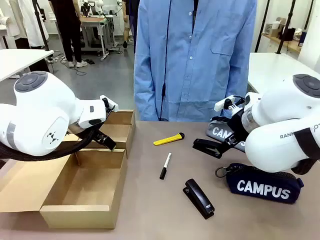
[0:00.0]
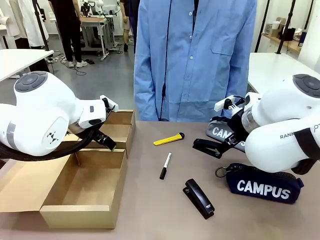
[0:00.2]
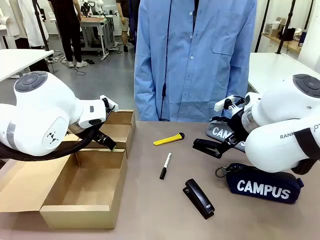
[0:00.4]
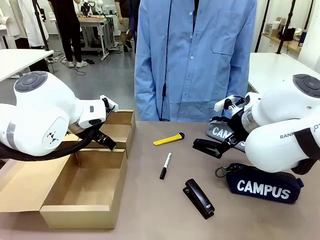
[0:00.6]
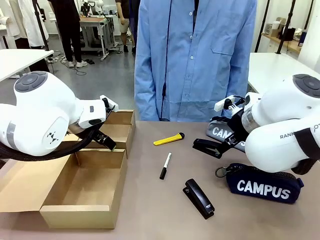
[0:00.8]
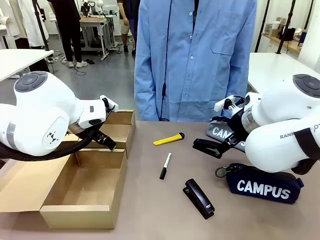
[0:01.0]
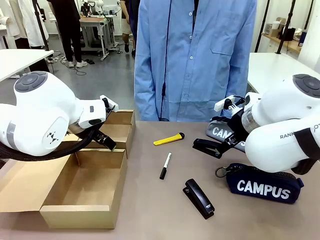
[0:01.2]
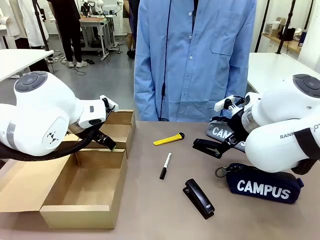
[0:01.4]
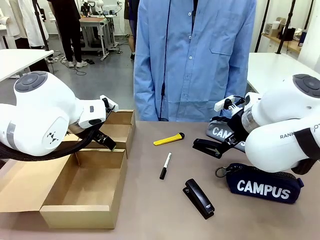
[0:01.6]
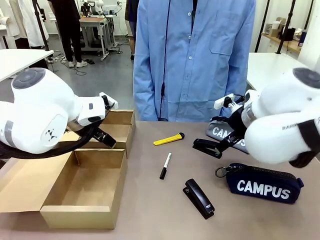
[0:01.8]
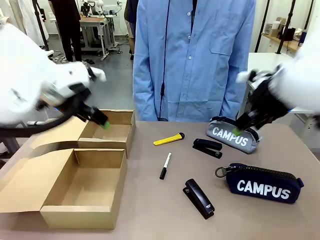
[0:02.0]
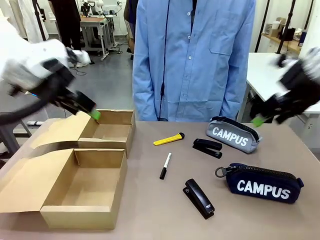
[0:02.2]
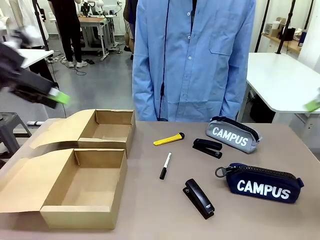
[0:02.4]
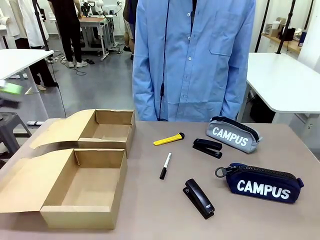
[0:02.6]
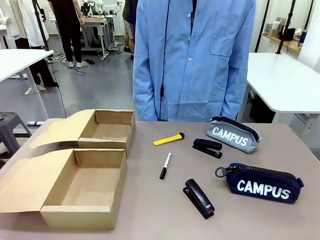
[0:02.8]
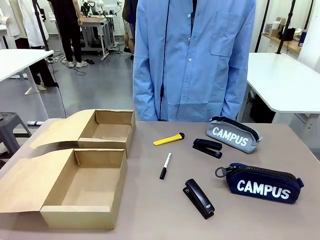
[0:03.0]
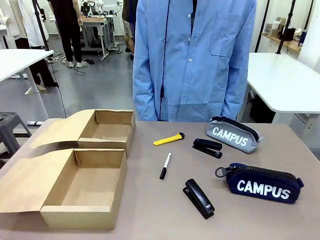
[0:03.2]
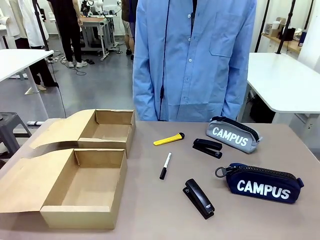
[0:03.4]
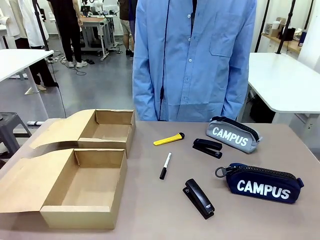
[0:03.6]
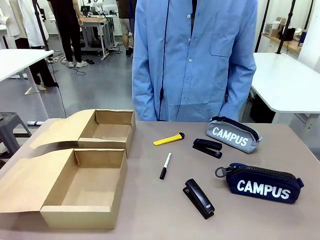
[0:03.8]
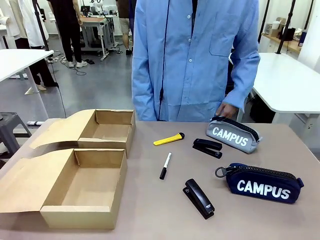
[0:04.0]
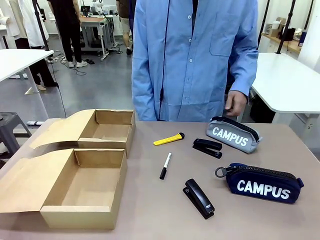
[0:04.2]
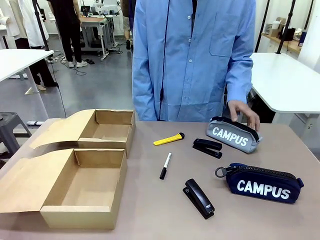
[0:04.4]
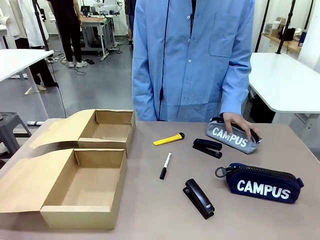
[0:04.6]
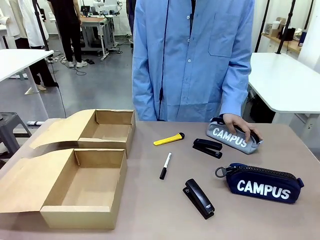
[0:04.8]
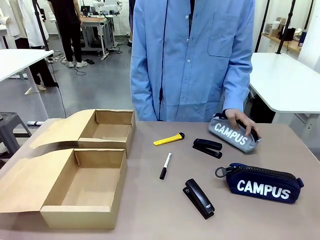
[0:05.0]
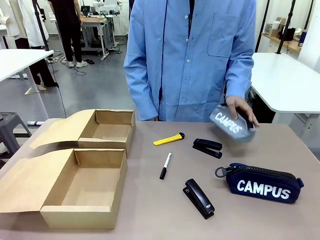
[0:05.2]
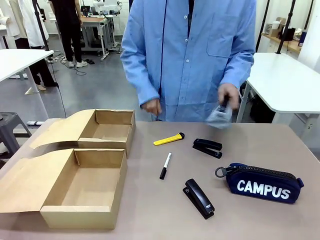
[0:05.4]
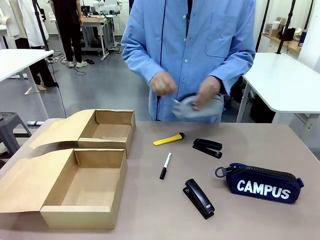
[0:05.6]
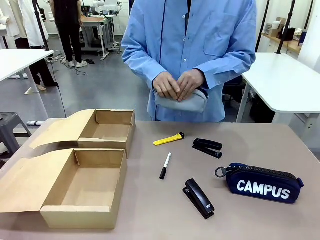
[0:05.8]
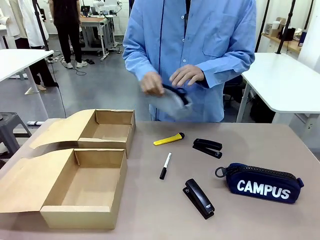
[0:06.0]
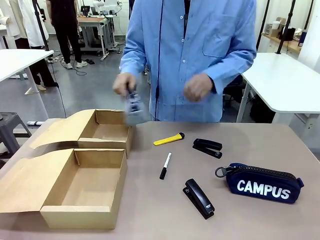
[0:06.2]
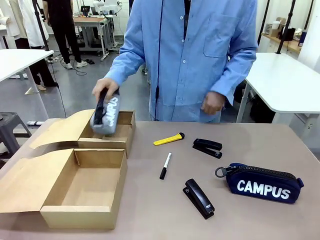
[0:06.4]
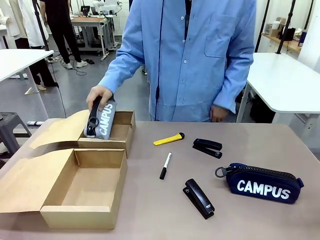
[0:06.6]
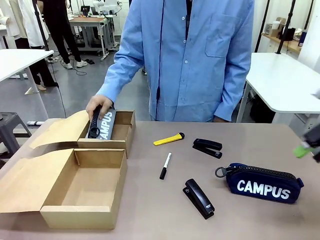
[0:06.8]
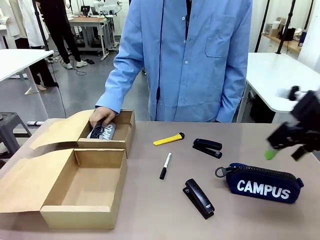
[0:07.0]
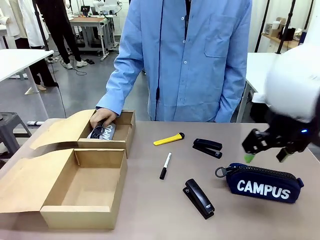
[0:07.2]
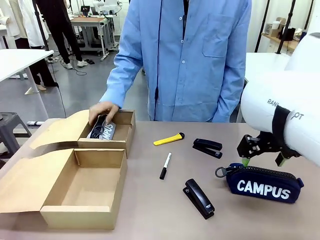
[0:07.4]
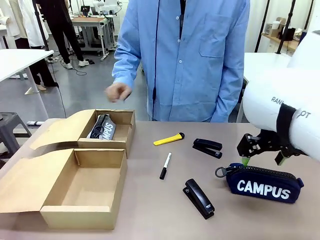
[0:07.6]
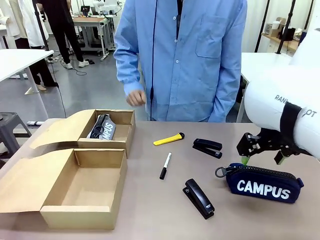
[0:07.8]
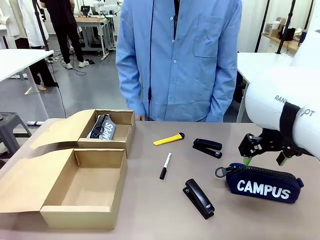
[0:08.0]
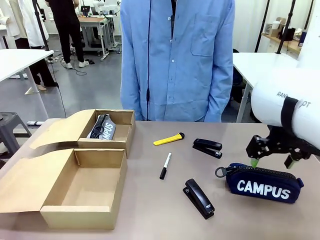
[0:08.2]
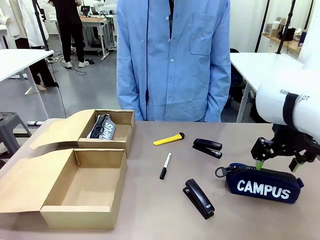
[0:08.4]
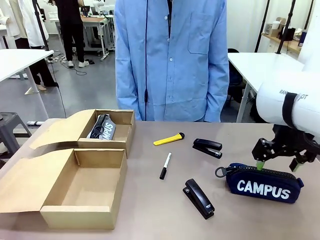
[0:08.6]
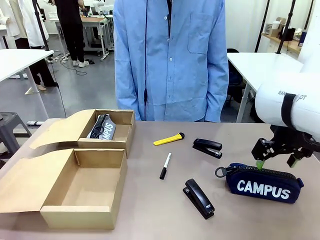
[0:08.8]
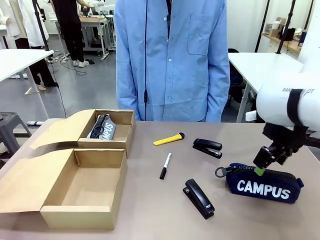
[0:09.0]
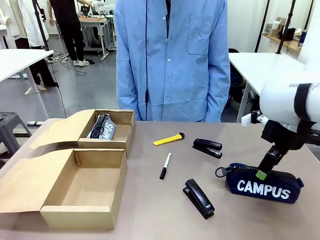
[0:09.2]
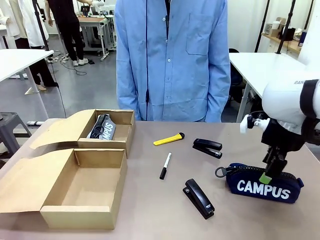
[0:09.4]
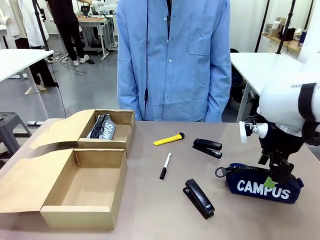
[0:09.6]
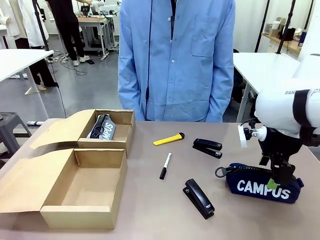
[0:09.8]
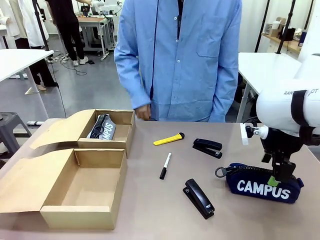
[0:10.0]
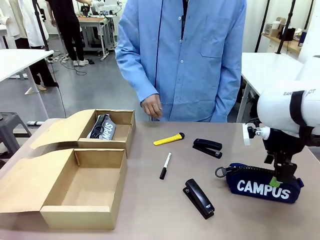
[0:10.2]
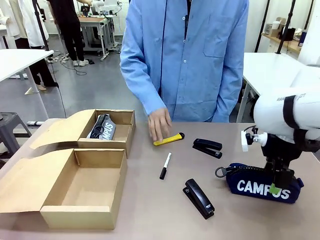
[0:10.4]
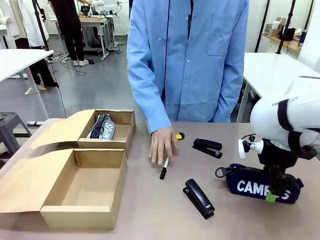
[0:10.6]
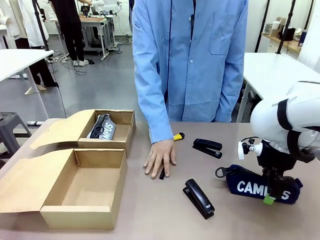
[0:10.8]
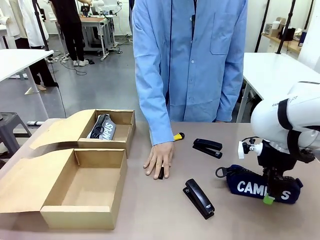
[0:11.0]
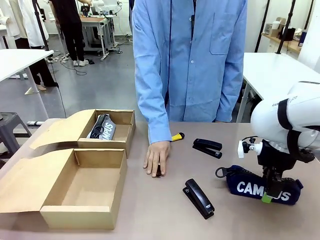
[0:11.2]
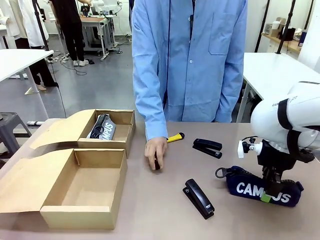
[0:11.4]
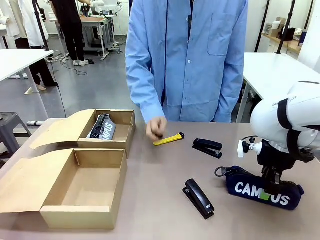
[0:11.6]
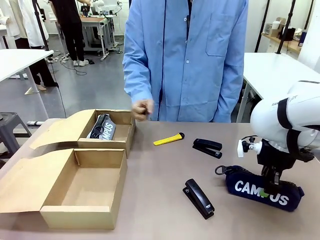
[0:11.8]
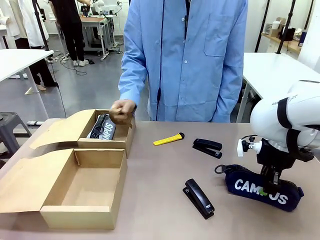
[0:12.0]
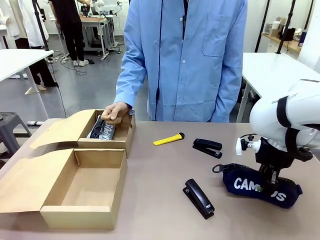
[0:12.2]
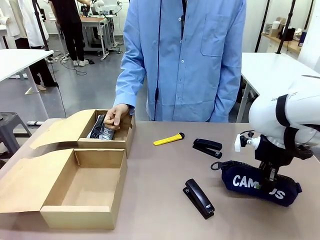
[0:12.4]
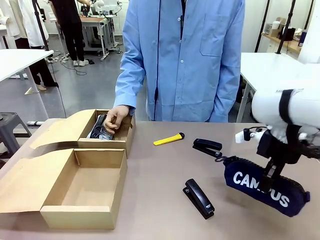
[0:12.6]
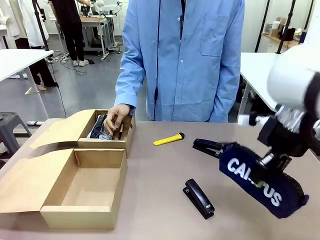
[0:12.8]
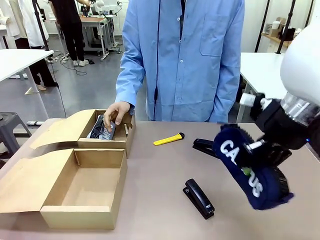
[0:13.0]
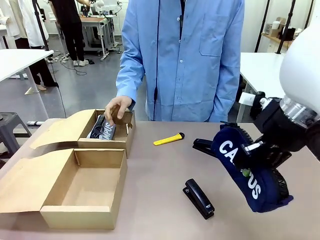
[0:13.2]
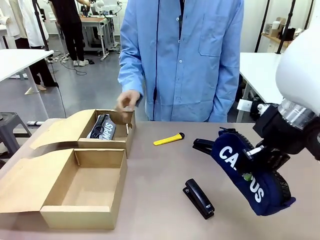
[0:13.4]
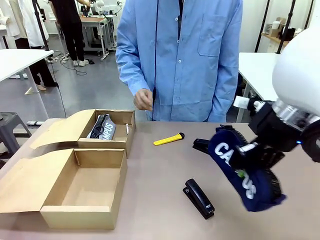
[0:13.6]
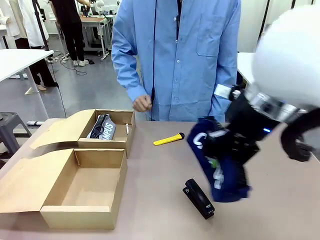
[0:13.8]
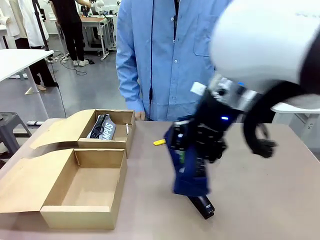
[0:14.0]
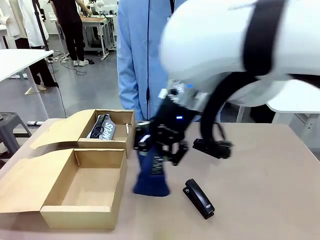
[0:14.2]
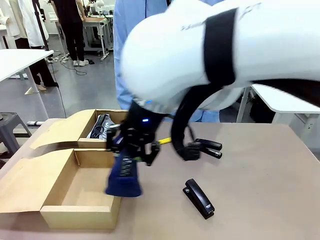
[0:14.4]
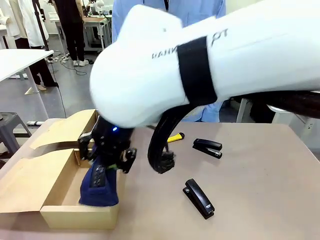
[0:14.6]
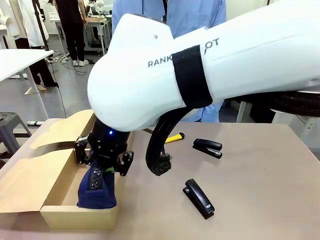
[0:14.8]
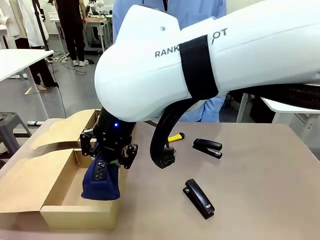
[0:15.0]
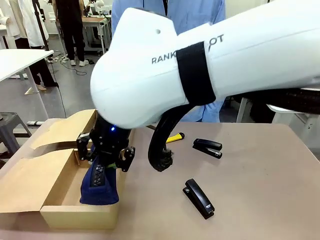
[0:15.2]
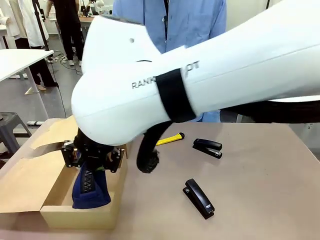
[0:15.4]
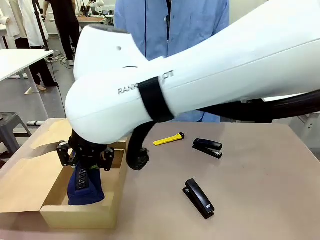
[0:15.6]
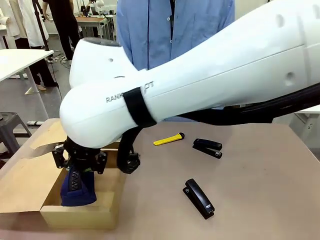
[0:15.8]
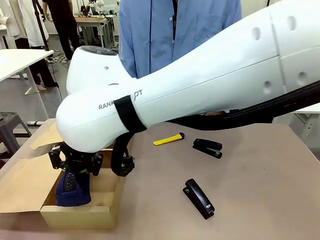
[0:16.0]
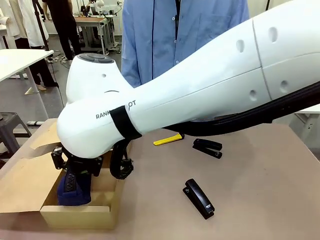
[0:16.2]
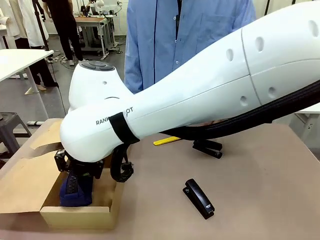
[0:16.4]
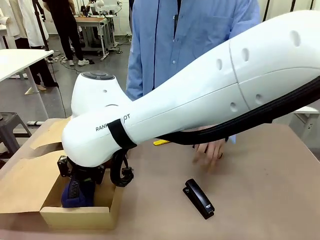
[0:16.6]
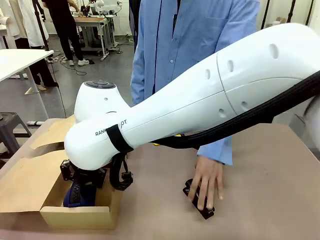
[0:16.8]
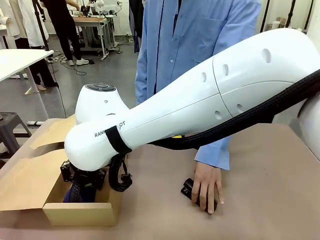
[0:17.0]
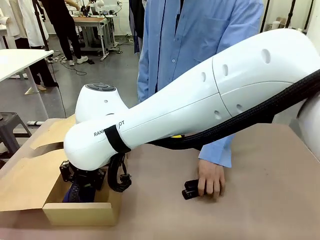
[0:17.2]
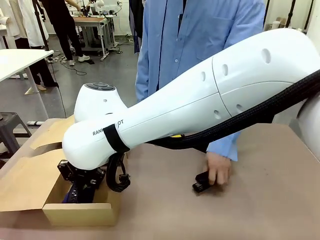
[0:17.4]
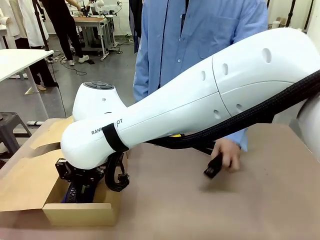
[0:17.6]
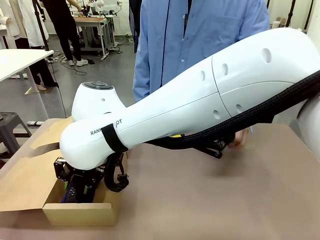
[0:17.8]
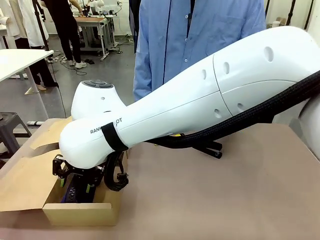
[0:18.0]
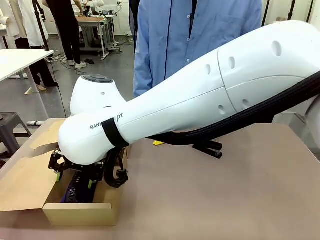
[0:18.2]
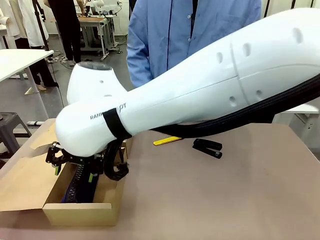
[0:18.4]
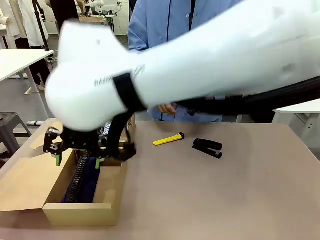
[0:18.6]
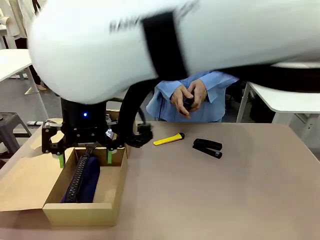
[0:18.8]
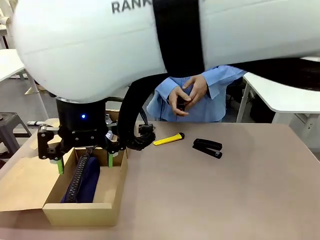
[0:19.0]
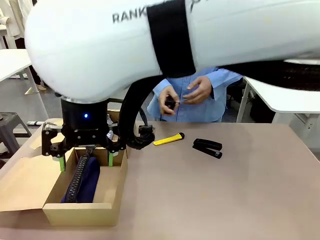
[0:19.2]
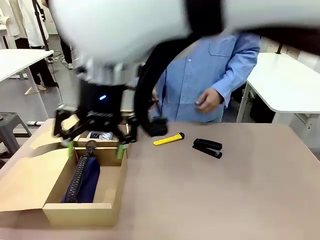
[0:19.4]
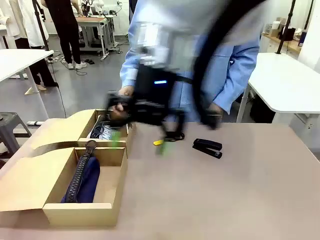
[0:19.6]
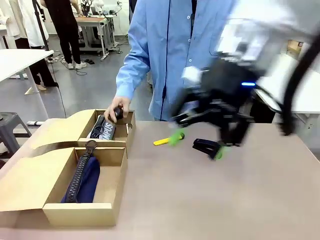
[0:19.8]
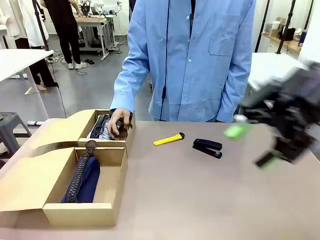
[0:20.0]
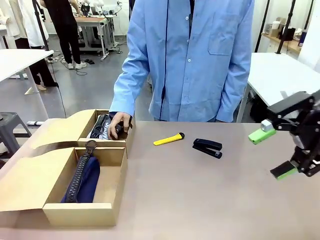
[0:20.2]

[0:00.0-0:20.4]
Task: Place items inside the box.
Robot: Pick up a Pencil pouch or Stapler and place it inside the Mailer Box closest to the robot.
Person: Pick up an object on the table and put it in the box.
